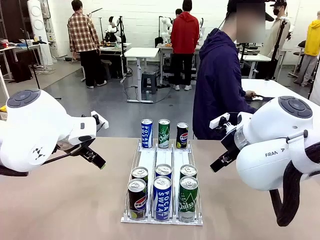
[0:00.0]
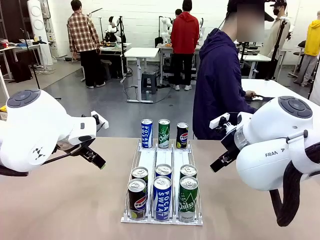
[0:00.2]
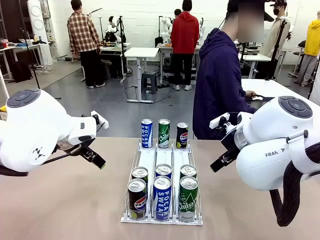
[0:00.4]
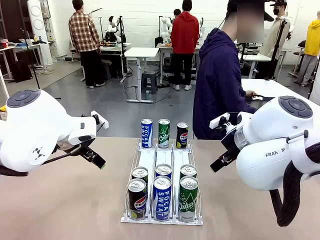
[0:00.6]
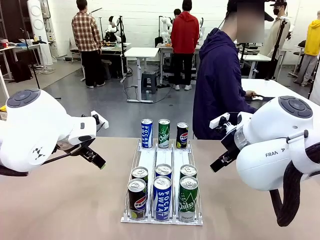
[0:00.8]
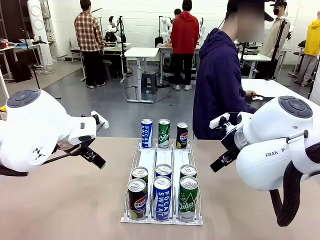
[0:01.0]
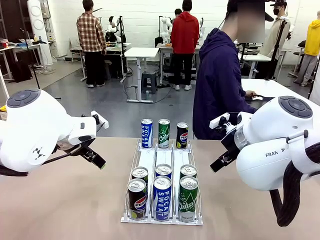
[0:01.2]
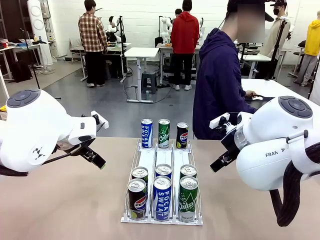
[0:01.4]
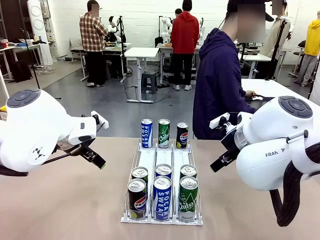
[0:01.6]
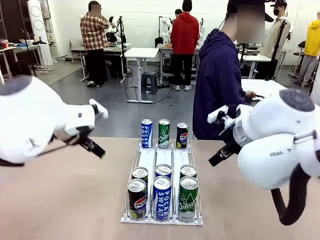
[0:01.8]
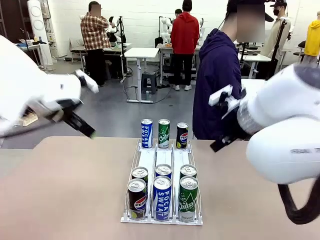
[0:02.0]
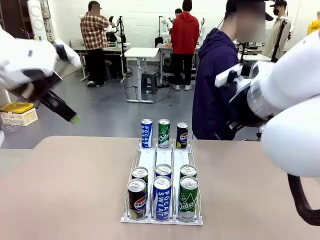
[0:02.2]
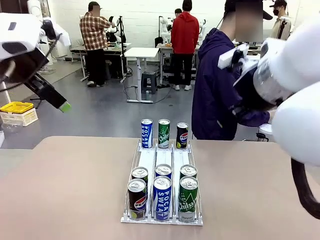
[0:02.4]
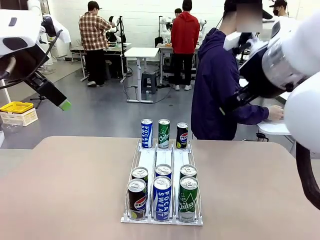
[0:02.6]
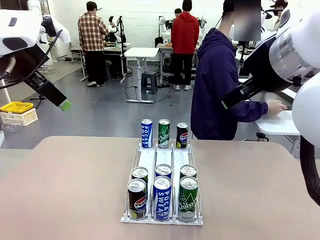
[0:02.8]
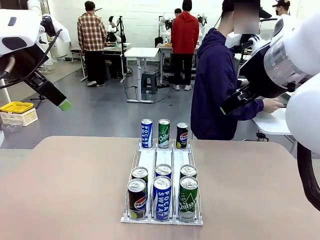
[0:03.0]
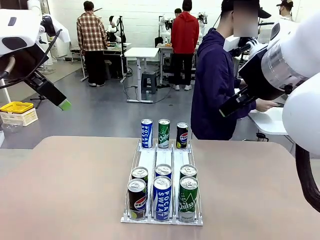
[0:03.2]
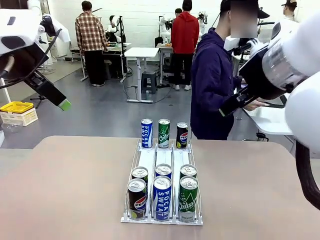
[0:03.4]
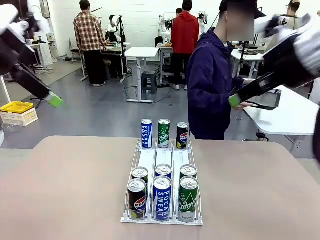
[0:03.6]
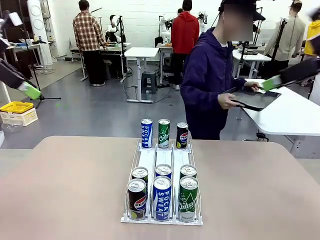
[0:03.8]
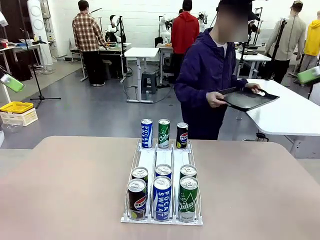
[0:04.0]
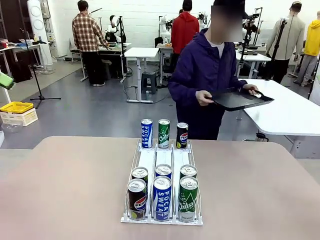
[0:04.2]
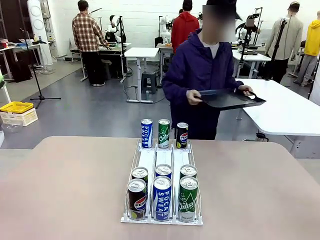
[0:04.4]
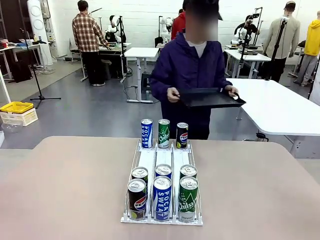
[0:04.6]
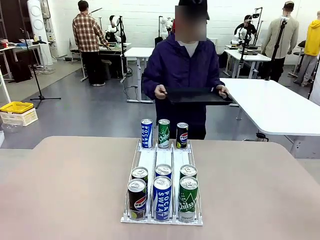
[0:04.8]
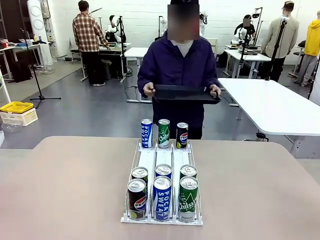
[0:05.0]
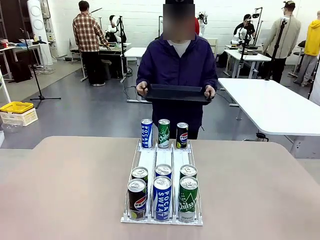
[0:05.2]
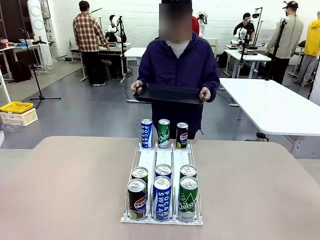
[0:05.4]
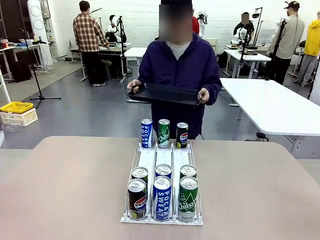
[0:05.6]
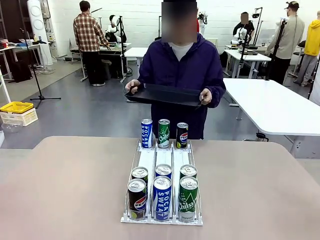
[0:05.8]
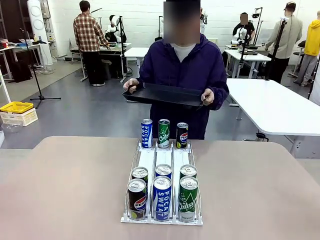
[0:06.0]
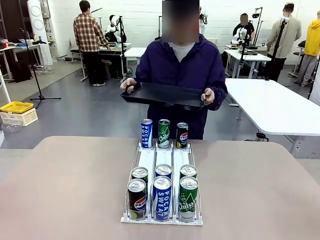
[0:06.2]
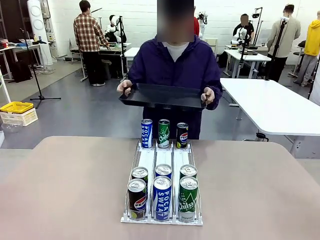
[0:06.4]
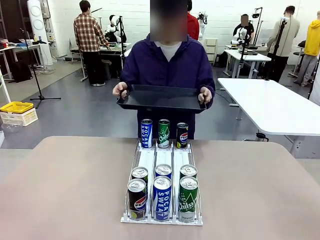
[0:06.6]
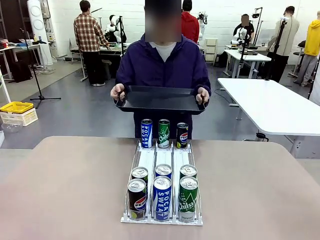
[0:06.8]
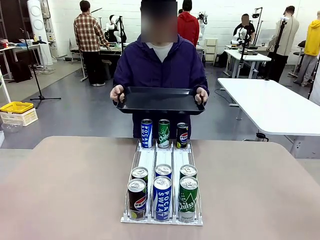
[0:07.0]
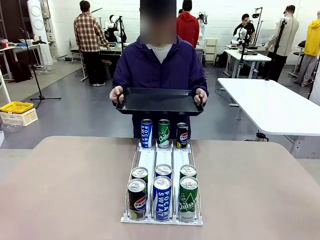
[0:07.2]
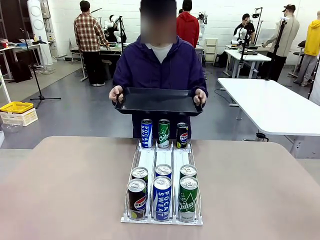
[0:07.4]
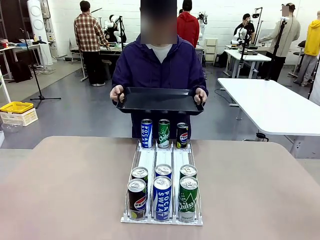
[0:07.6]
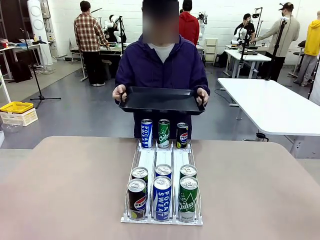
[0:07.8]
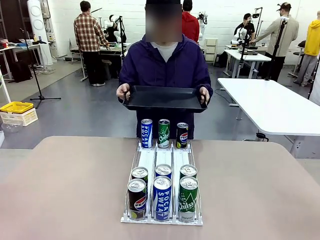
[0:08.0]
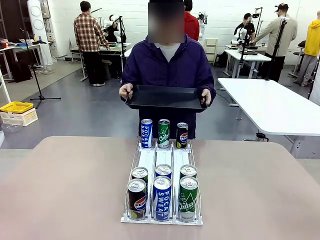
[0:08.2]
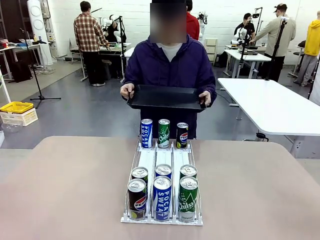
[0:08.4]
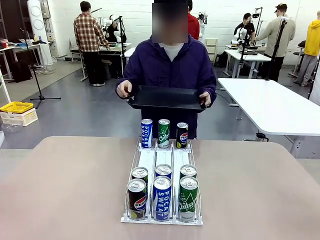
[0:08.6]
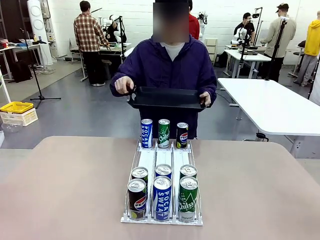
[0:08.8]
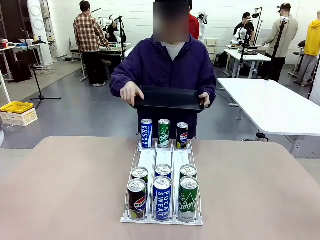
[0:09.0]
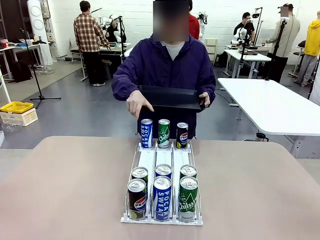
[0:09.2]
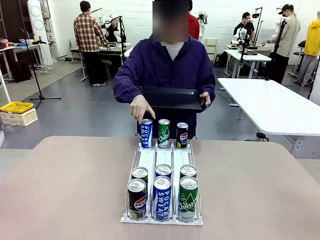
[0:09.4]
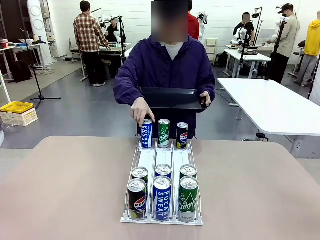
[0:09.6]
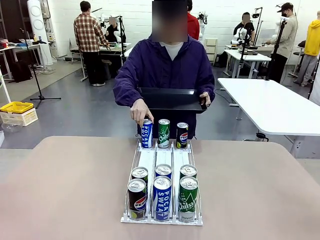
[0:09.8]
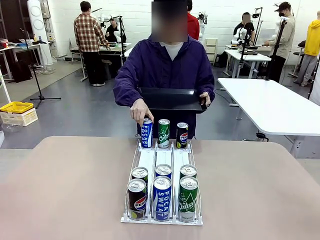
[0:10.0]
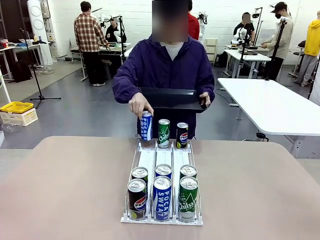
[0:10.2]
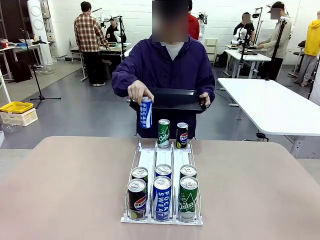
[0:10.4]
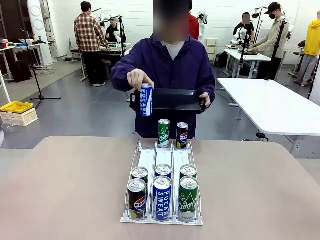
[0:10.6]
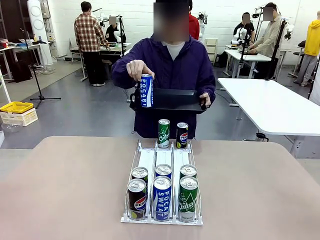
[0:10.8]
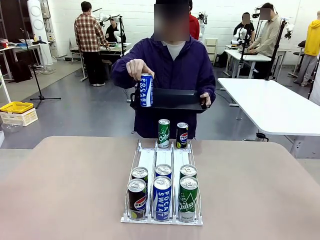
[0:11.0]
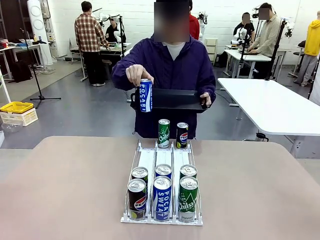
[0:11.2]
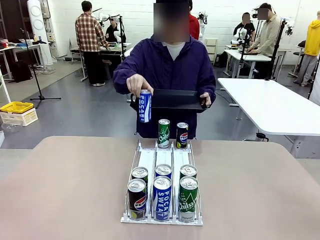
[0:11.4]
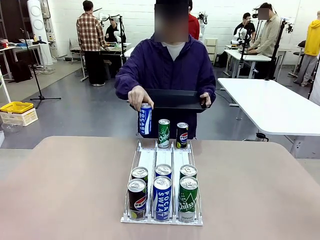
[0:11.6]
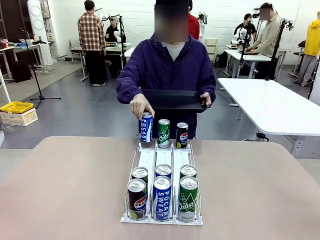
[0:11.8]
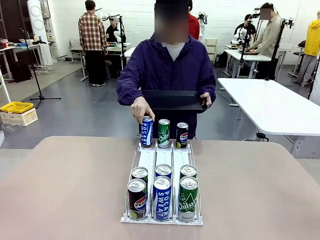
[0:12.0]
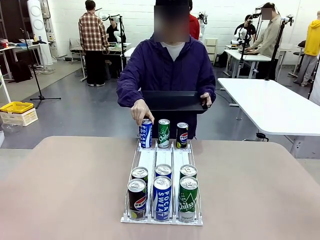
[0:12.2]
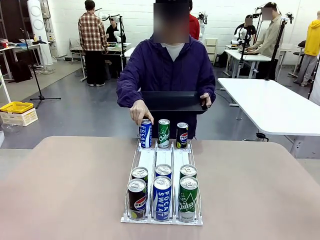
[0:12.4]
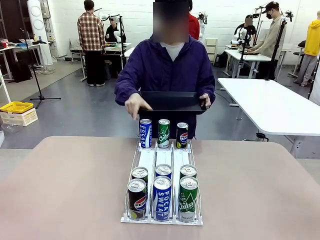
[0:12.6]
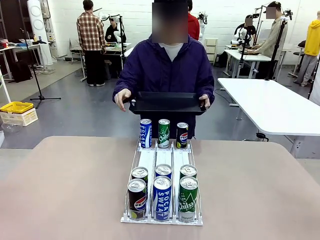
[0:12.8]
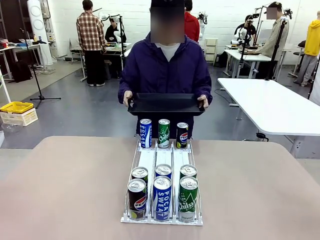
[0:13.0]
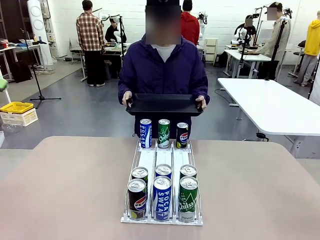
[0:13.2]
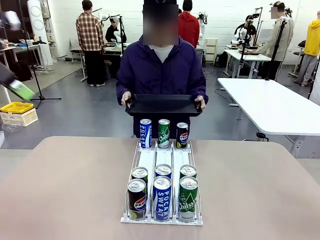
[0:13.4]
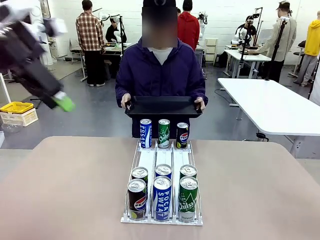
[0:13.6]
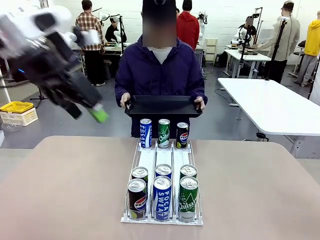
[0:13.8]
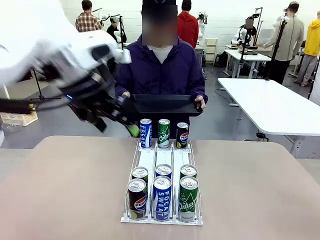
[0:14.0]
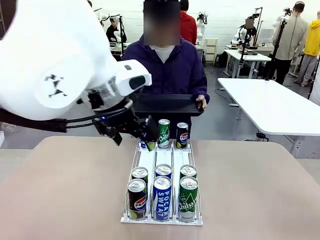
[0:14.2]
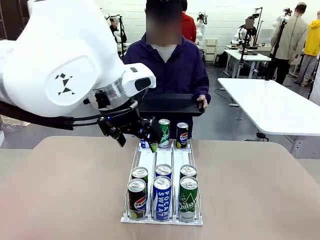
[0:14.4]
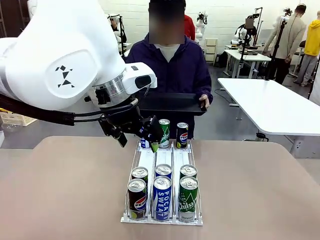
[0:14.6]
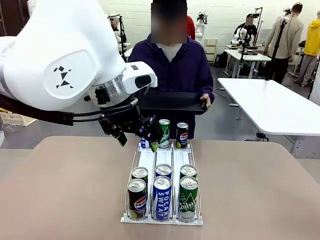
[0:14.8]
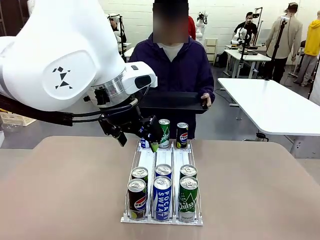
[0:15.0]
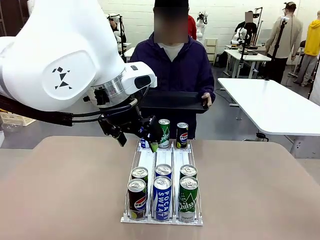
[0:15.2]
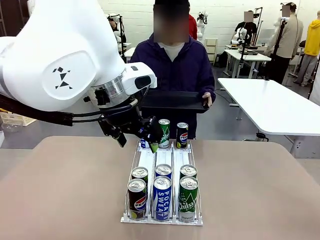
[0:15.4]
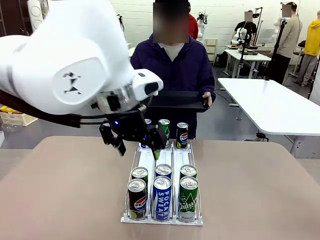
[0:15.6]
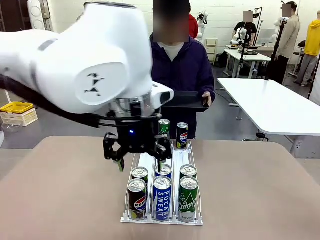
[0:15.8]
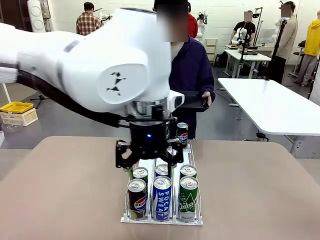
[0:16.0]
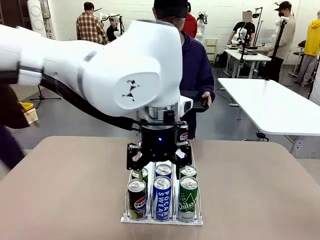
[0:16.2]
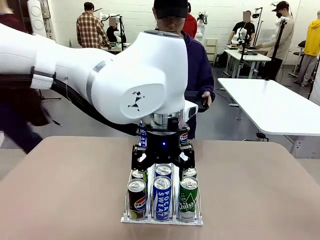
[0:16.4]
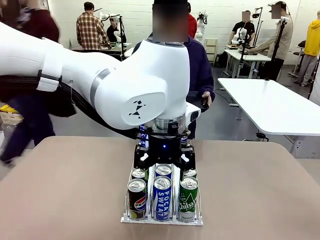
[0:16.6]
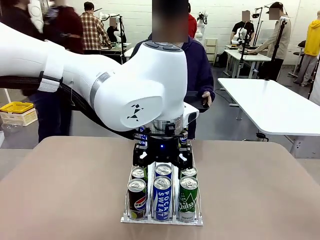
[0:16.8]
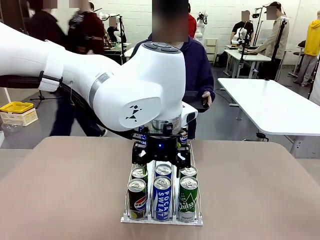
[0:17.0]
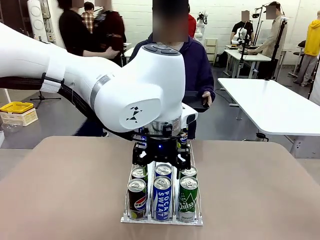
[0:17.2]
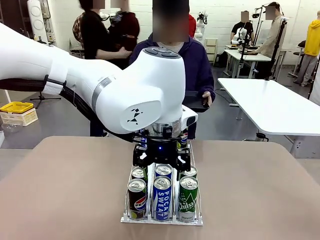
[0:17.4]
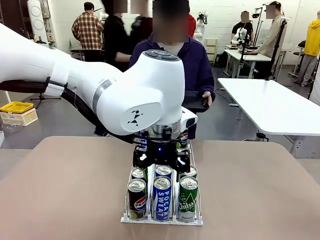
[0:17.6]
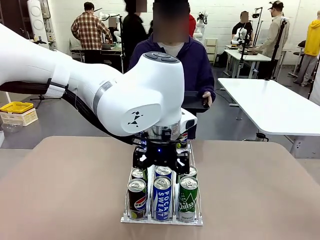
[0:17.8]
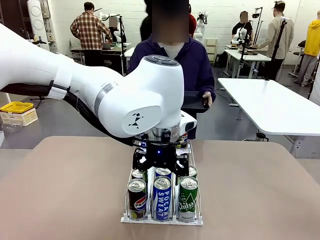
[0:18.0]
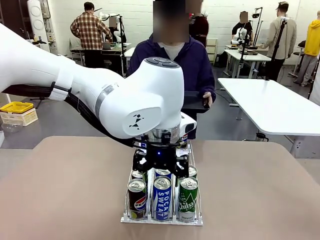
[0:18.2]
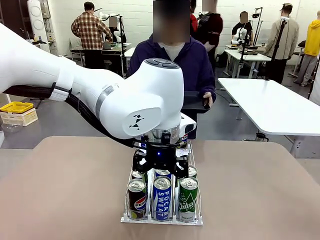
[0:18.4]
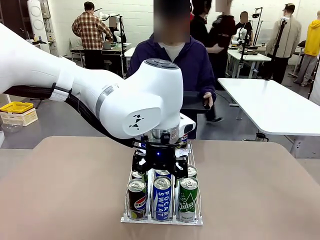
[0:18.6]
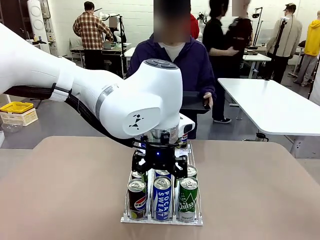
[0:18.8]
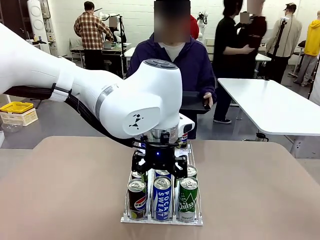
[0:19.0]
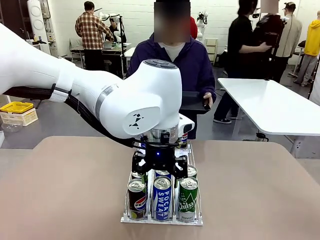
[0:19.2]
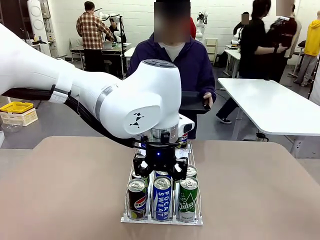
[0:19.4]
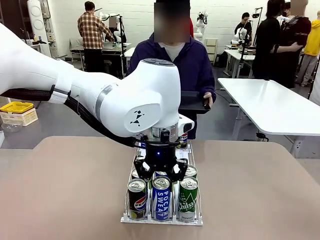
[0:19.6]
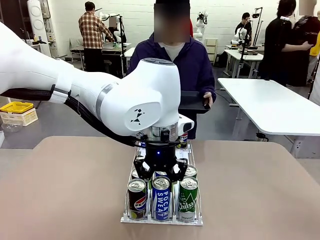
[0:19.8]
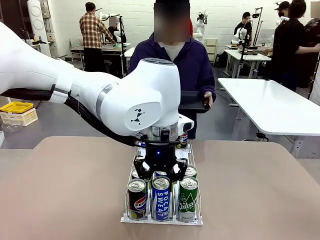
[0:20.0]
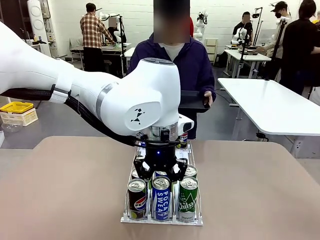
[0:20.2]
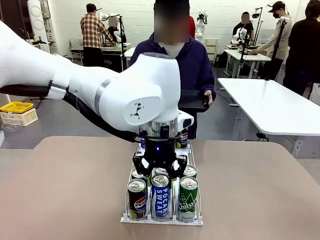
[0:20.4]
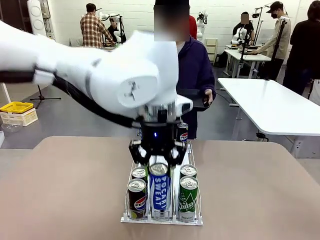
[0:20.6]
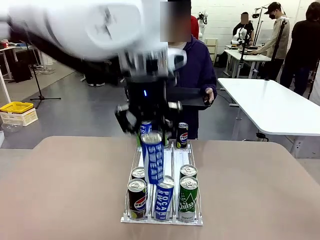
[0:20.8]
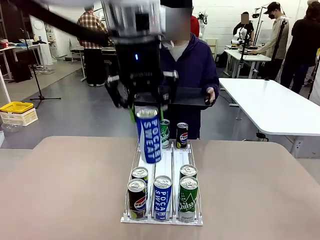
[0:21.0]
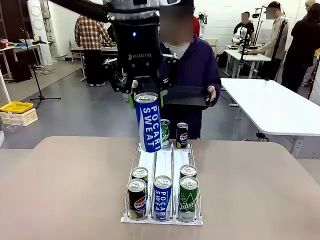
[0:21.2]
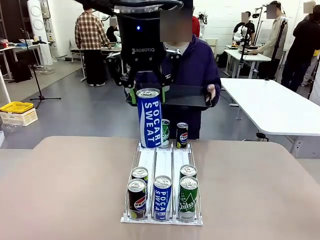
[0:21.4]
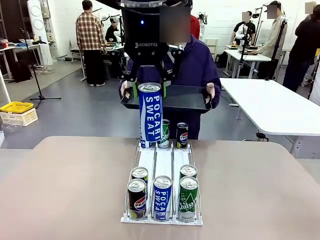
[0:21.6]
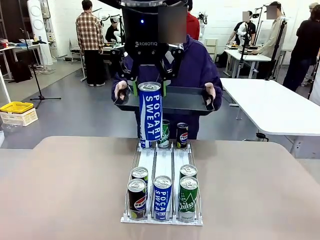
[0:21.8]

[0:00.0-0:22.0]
Task: Retrieve and hand over the desired beverage to the person.
Robot: Pick up a can of the same type that the person held from the Automatic Can Dispenser.
Person: Hold the tray and position yourself in front of the robot table. Pick up one can from the bottom area of the table and puts it back in its original place. Push the tray toward the robot.
